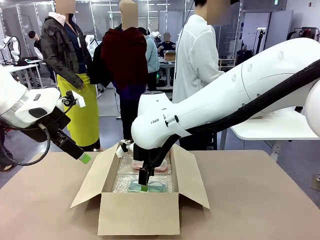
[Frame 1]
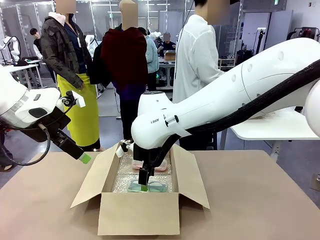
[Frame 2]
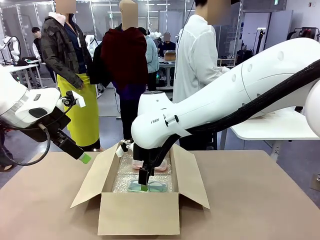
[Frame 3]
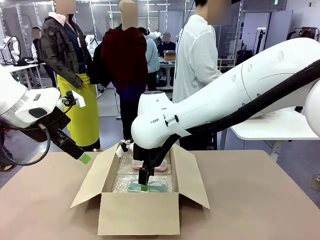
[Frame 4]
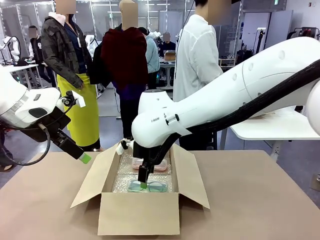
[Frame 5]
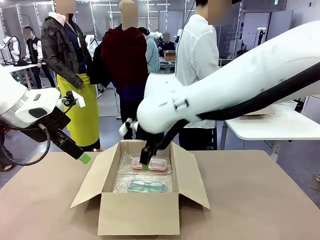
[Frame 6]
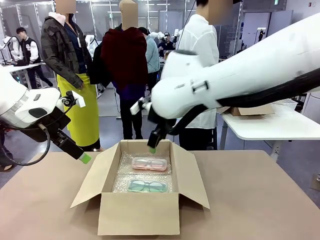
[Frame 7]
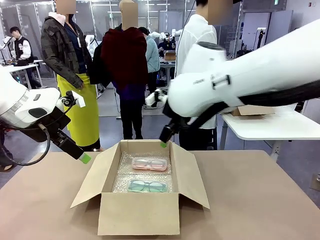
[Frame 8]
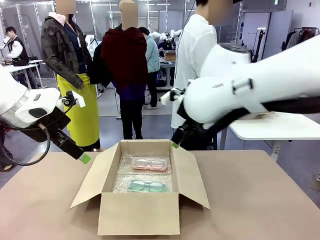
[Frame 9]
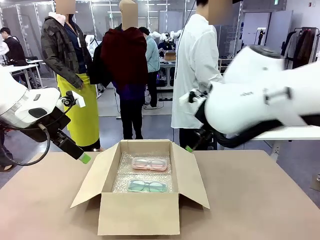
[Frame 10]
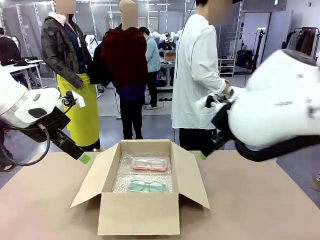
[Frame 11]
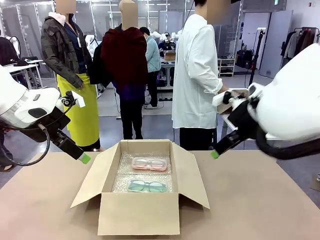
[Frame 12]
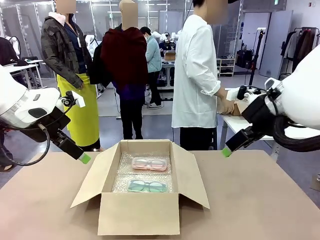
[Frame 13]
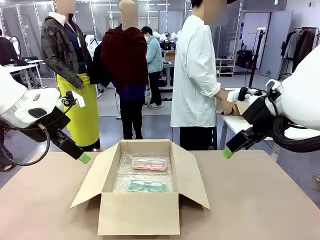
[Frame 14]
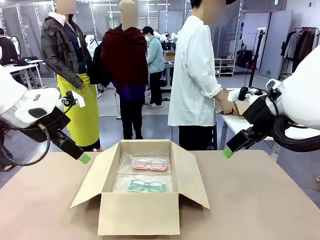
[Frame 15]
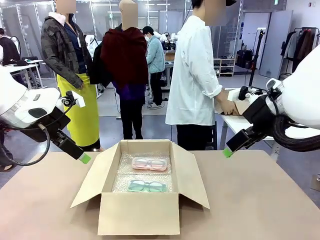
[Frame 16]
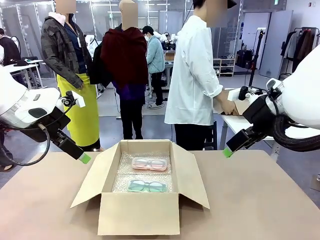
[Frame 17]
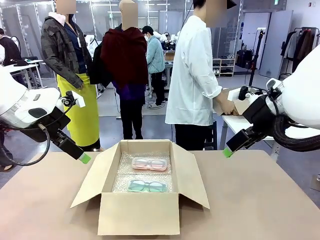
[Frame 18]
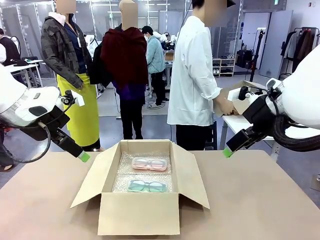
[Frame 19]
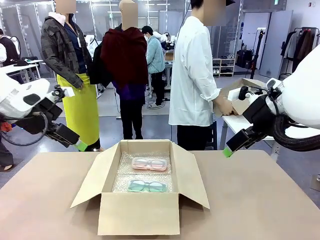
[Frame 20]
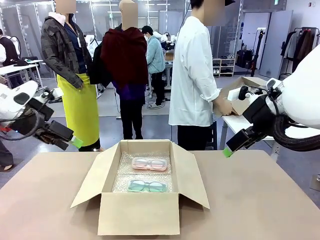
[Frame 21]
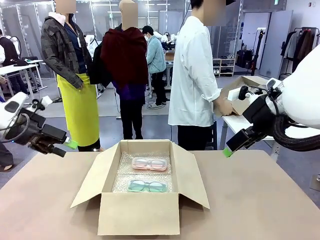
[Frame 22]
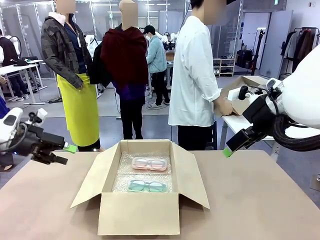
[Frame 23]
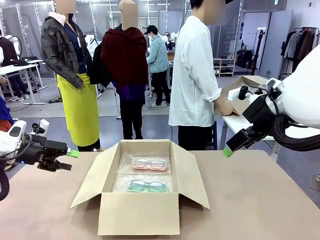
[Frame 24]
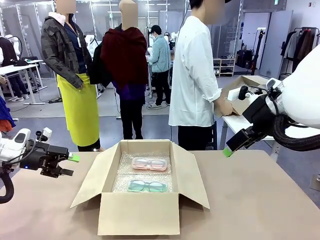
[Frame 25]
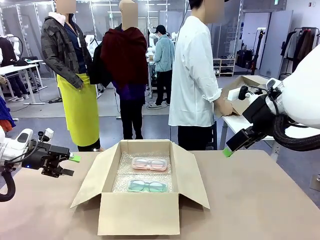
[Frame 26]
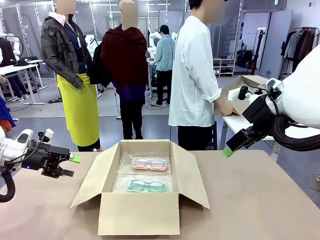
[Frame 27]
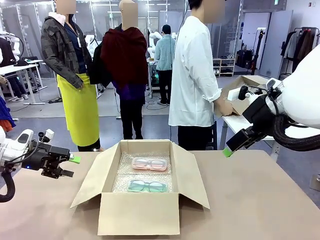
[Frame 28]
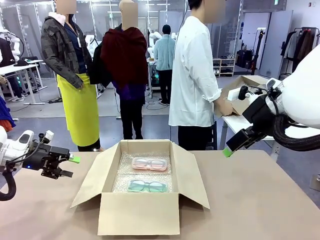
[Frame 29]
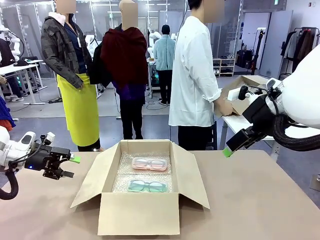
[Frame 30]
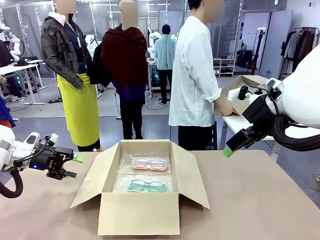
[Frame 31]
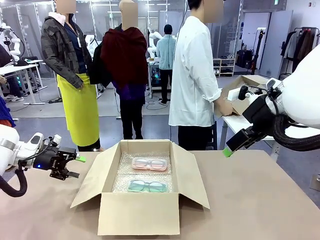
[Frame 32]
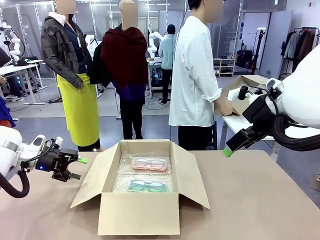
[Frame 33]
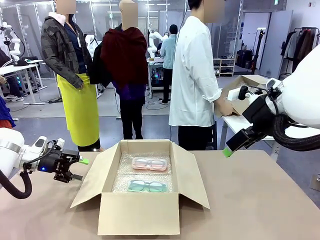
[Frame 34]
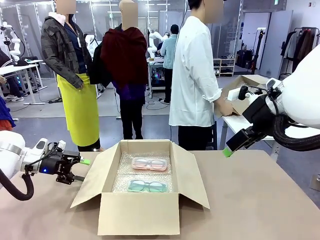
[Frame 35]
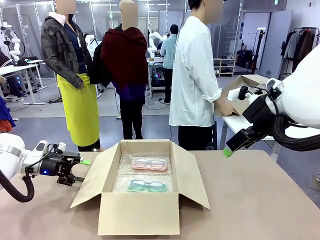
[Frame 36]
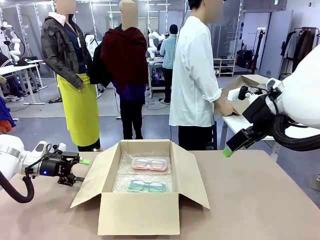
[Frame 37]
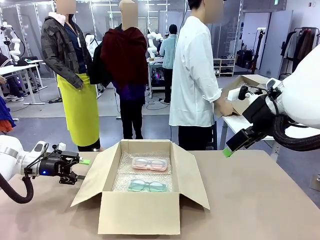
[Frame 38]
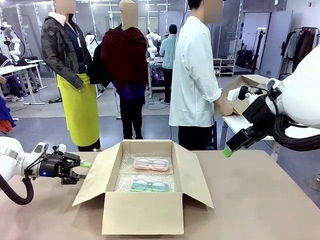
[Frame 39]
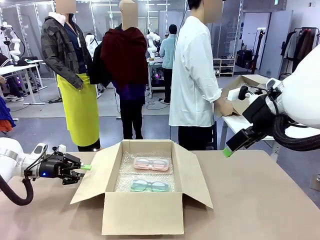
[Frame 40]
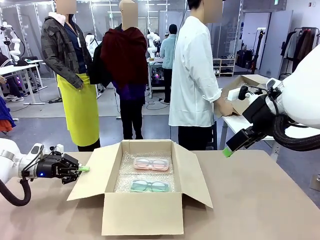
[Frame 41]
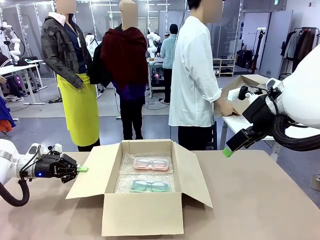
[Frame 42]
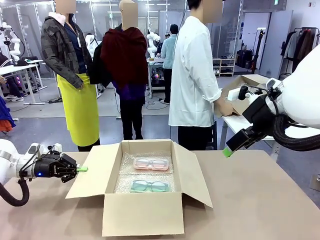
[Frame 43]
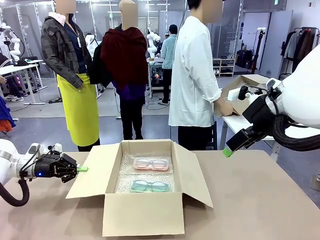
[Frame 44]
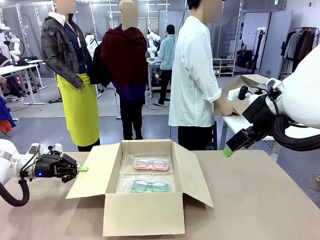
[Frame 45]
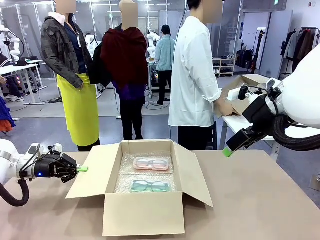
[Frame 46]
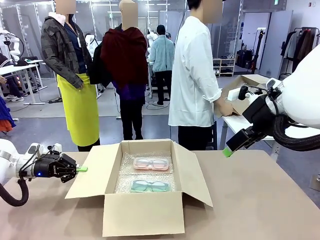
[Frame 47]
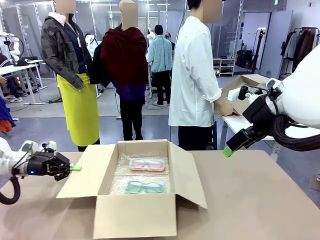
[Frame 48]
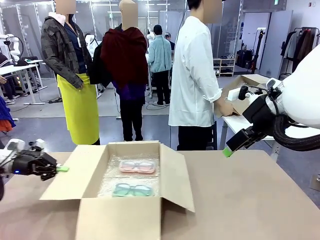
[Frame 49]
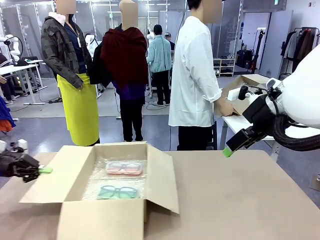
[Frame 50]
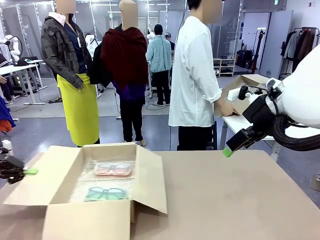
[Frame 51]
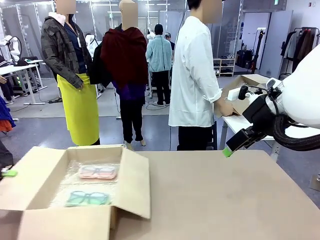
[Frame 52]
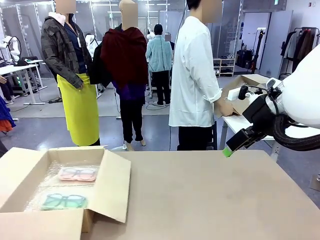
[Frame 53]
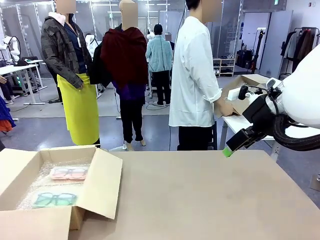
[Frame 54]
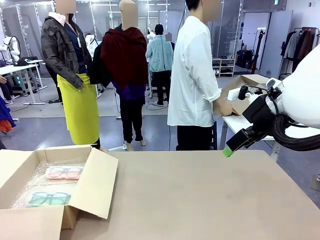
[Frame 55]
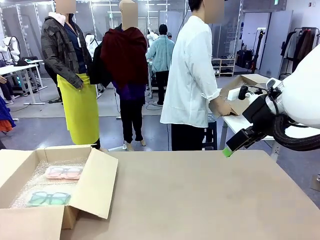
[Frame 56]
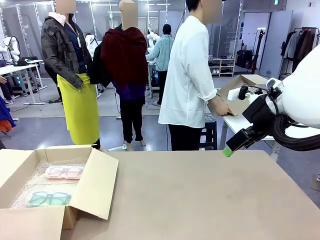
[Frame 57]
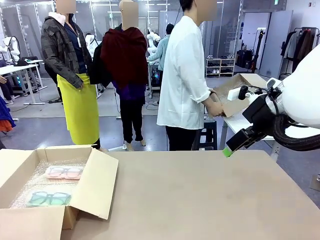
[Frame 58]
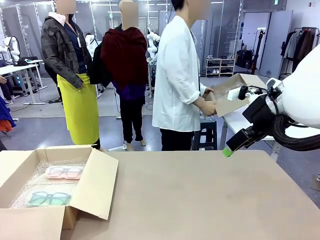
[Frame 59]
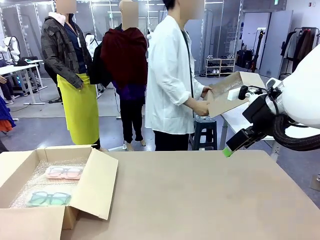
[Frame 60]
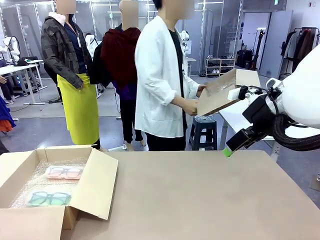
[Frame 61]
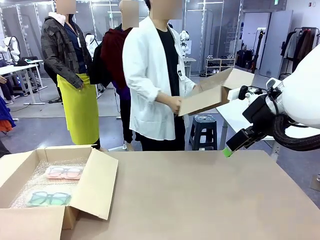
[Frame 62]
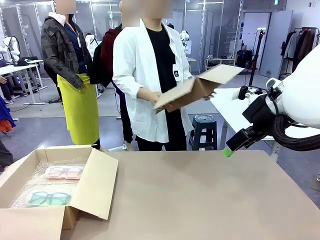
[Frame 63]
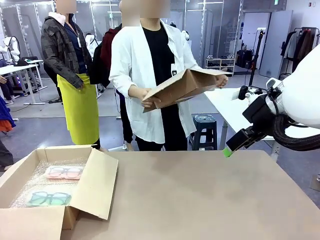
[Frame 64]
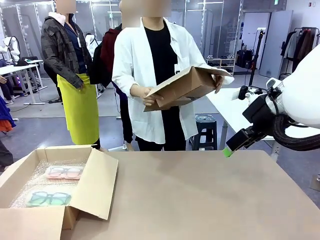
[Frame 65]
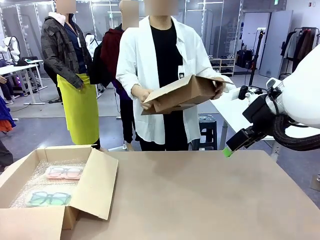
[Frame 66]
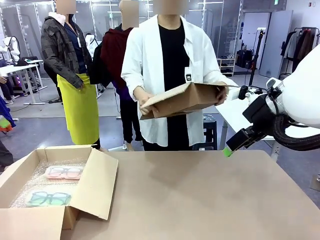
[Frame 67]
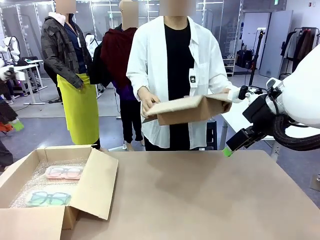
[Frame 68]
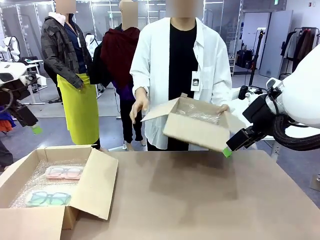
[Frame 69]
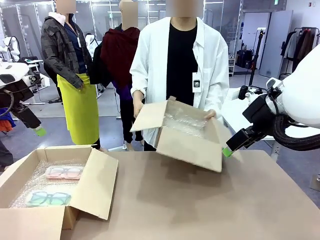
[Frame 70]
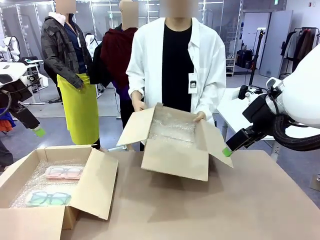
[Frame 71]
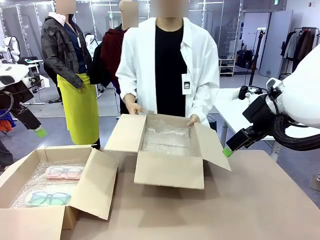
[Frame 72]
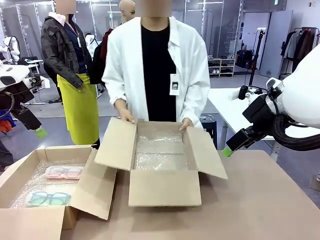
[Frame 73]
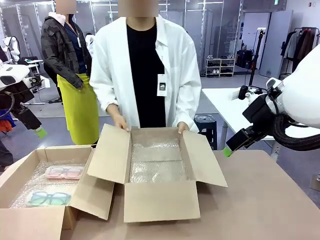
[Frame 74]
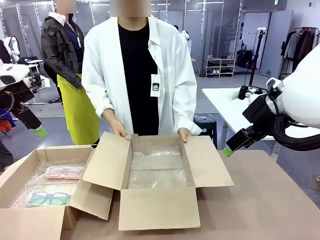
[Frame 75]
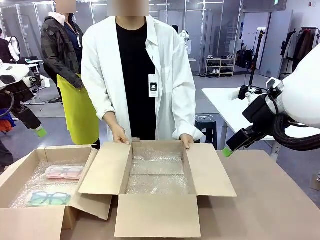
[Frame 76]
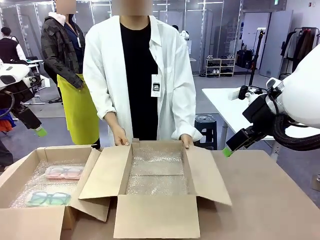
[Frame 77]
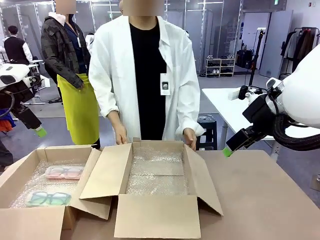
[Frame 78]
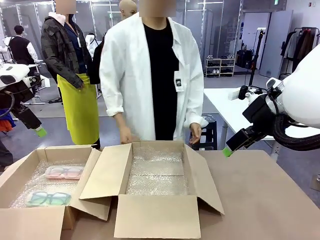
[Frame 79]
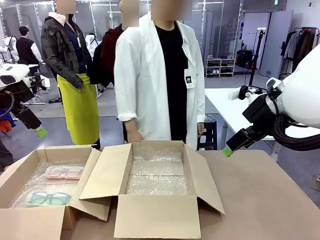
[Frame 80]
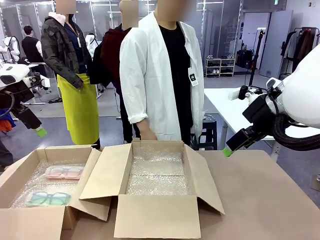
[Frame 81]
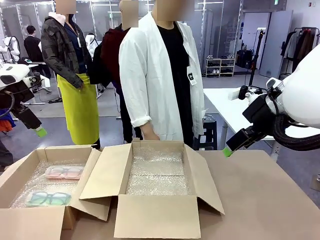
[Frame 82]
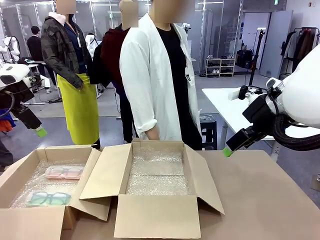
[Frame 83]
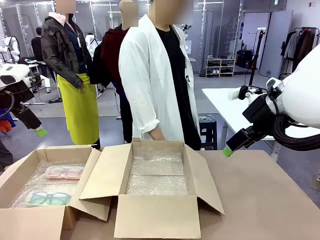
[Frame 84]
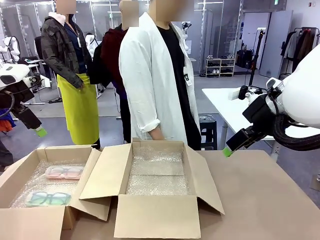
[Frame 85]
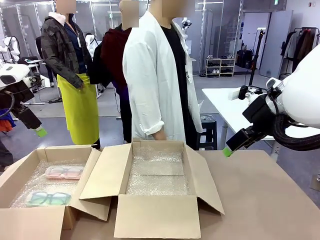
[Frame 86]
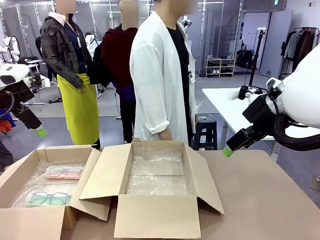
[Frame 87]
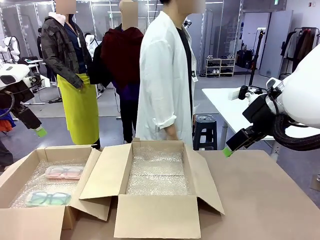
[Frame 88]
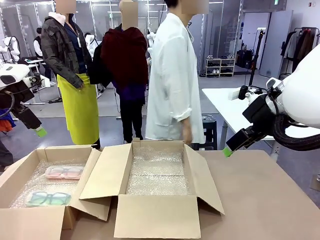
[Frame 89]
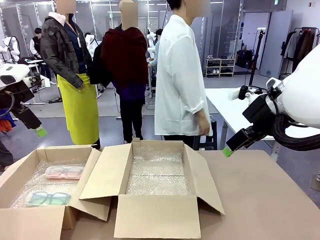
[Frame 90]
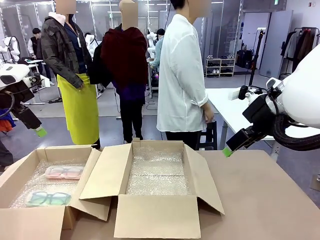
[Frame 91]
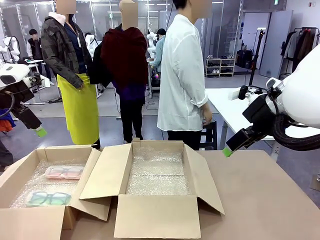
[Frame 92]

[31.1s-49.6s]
Task: Pack the glasses set securely to prepare it for shipping.
Robot: Position the Package Box on the left side of the table.
Person: Position the empty Package Box in the middle of the robot's table.
